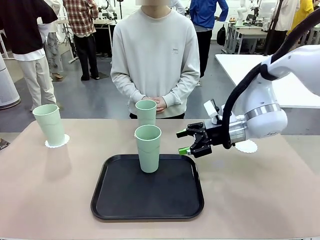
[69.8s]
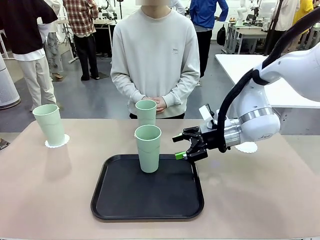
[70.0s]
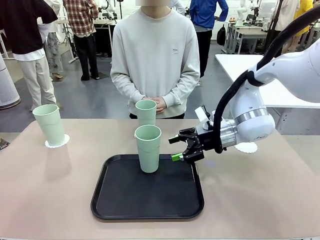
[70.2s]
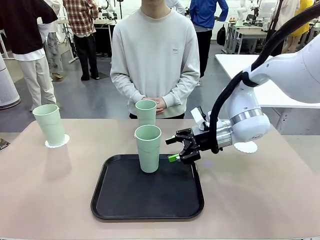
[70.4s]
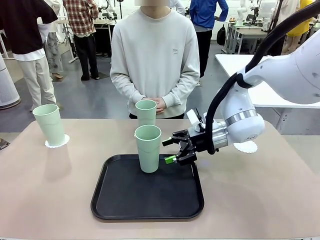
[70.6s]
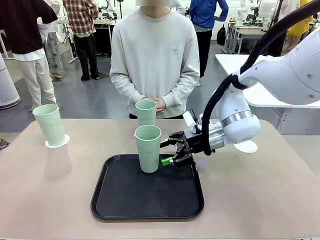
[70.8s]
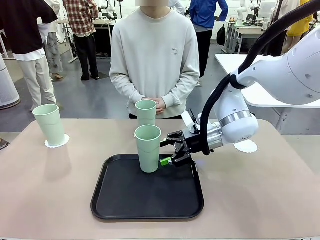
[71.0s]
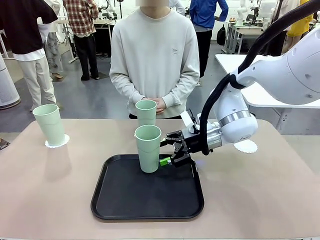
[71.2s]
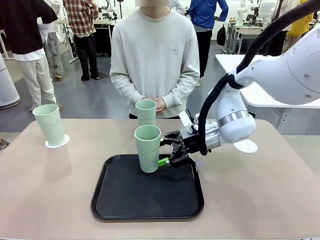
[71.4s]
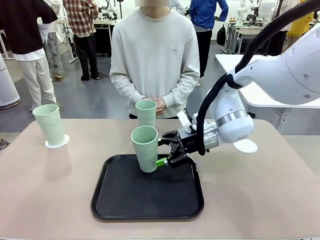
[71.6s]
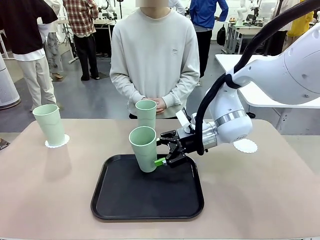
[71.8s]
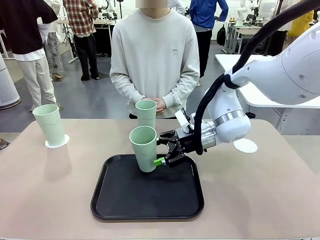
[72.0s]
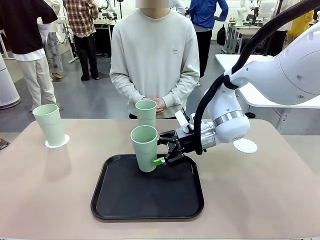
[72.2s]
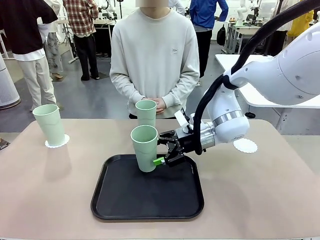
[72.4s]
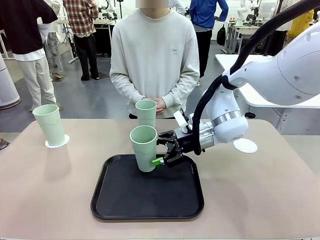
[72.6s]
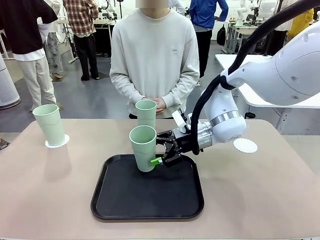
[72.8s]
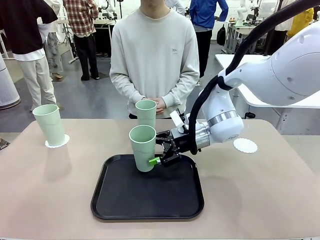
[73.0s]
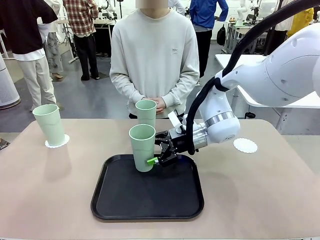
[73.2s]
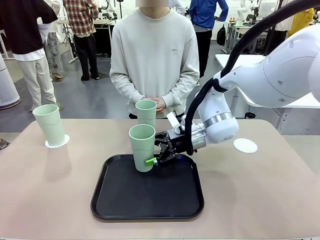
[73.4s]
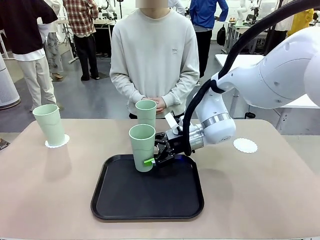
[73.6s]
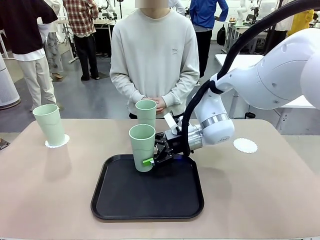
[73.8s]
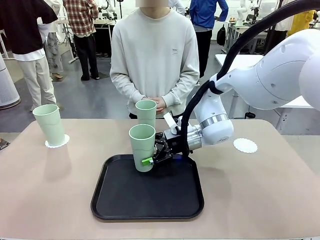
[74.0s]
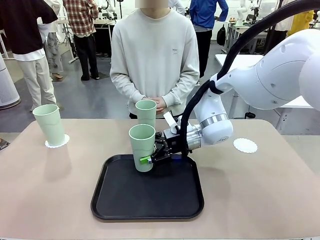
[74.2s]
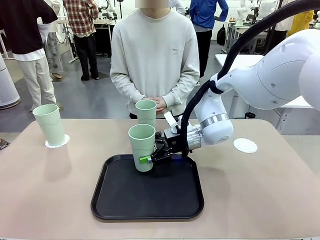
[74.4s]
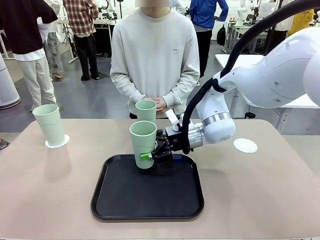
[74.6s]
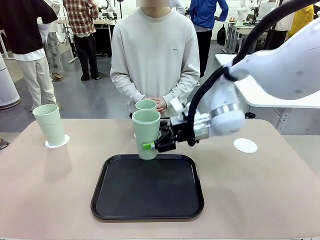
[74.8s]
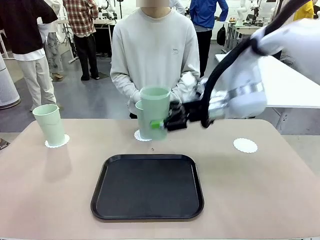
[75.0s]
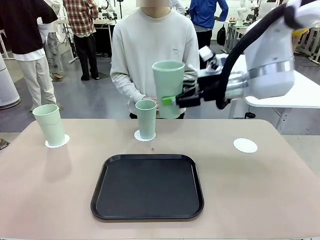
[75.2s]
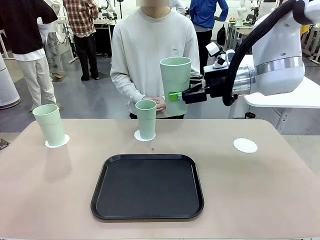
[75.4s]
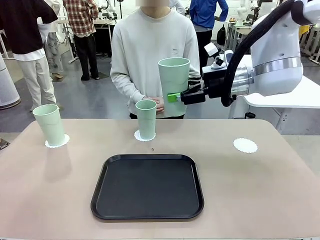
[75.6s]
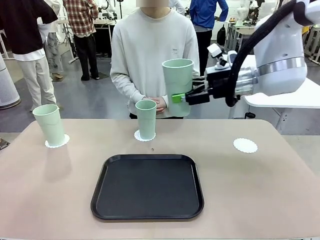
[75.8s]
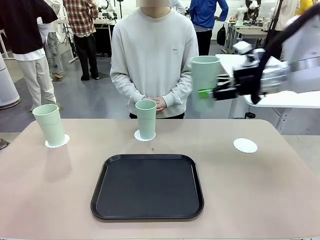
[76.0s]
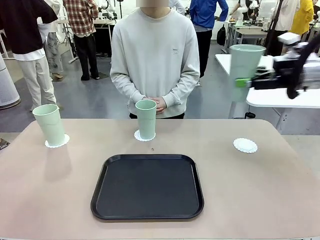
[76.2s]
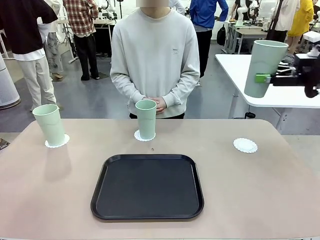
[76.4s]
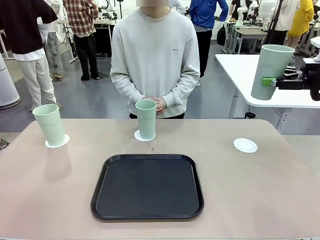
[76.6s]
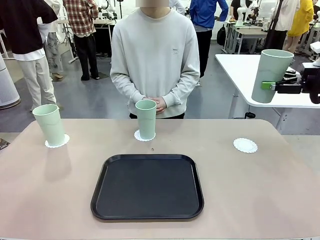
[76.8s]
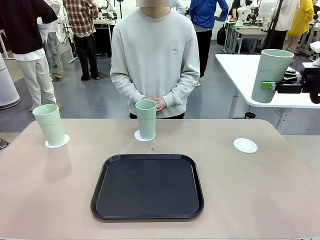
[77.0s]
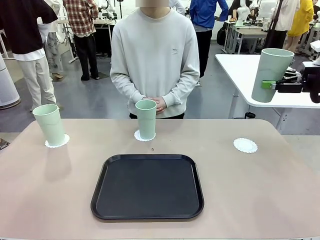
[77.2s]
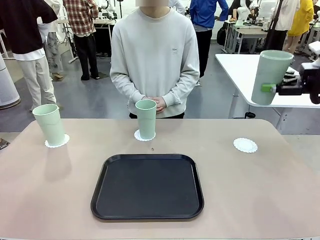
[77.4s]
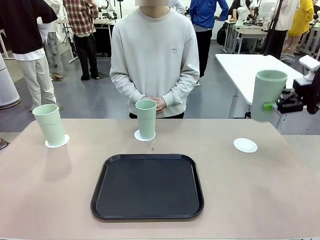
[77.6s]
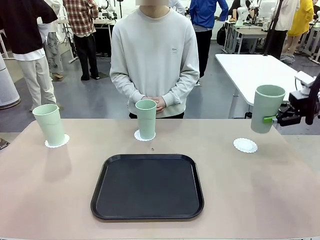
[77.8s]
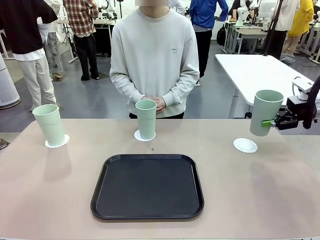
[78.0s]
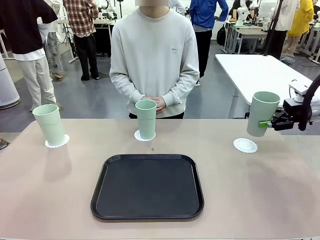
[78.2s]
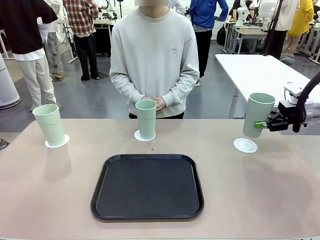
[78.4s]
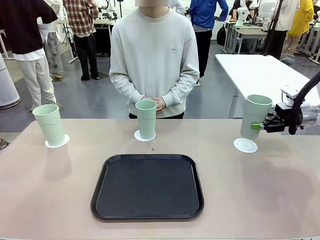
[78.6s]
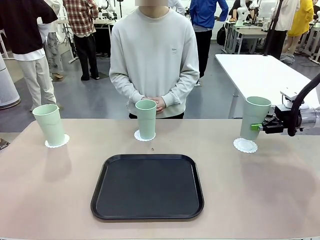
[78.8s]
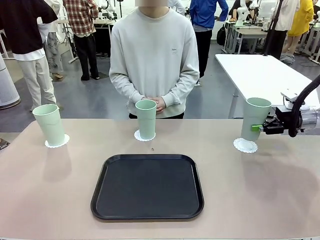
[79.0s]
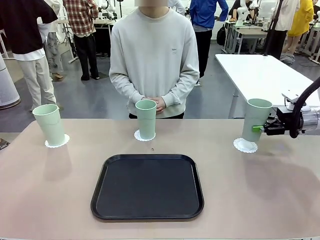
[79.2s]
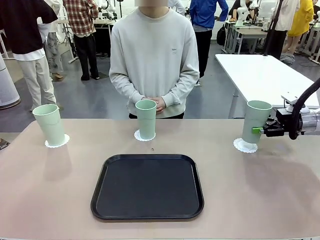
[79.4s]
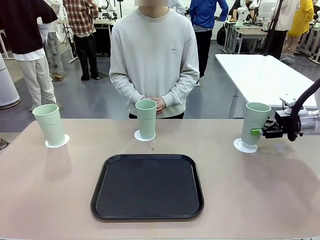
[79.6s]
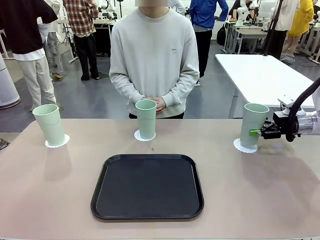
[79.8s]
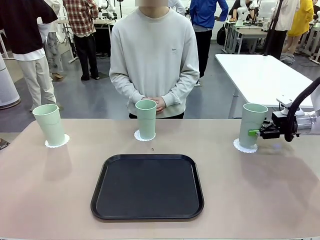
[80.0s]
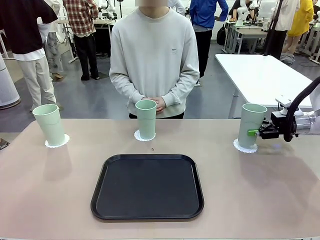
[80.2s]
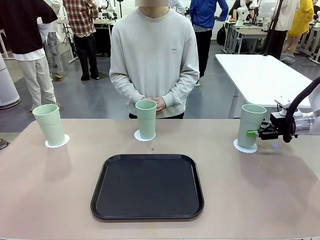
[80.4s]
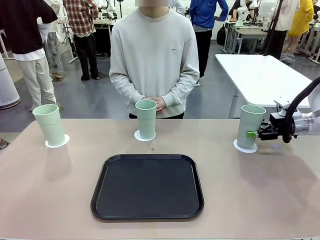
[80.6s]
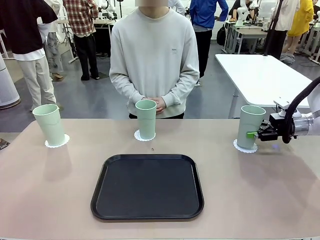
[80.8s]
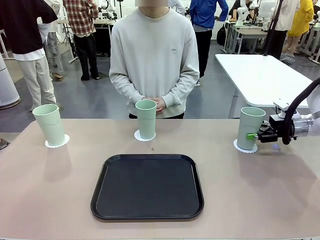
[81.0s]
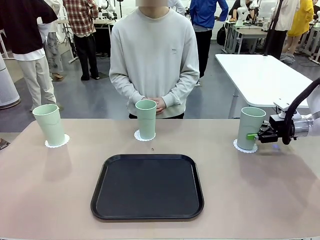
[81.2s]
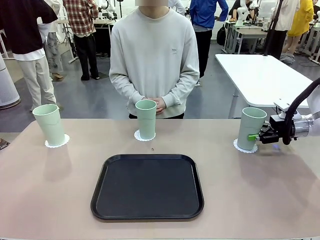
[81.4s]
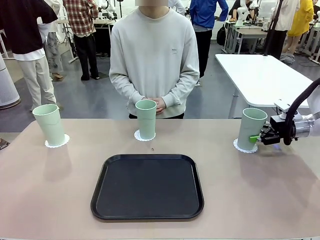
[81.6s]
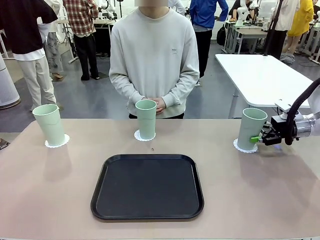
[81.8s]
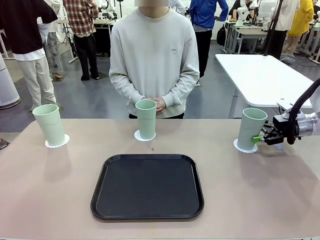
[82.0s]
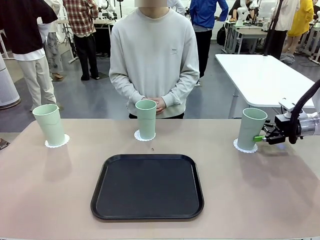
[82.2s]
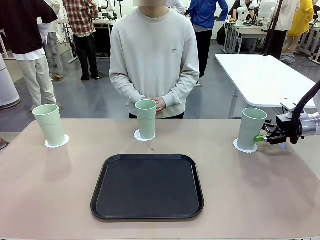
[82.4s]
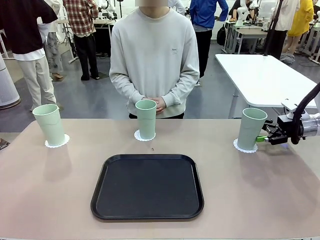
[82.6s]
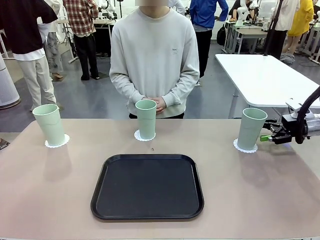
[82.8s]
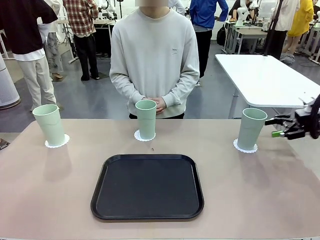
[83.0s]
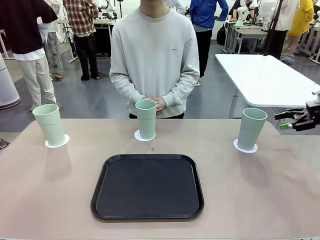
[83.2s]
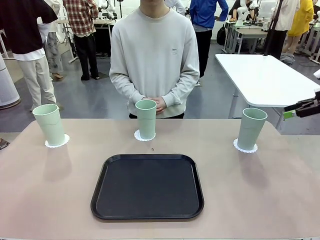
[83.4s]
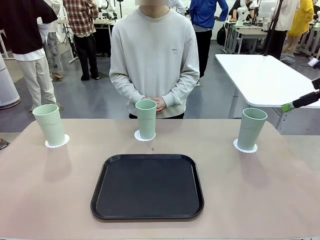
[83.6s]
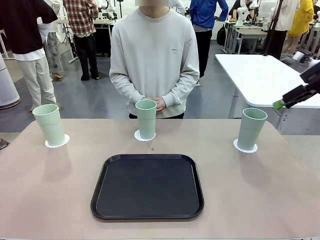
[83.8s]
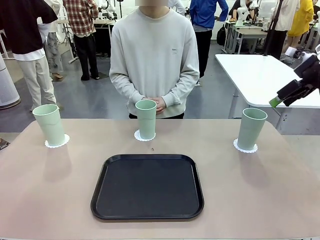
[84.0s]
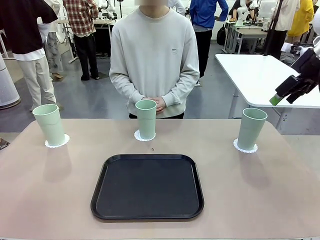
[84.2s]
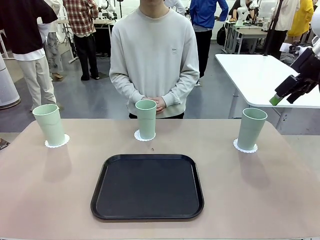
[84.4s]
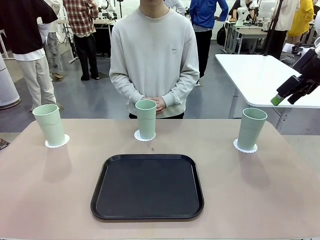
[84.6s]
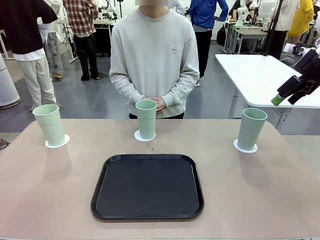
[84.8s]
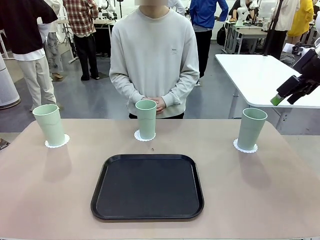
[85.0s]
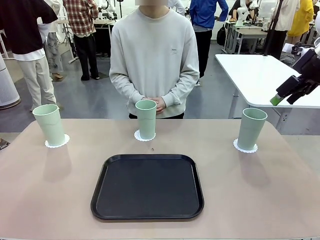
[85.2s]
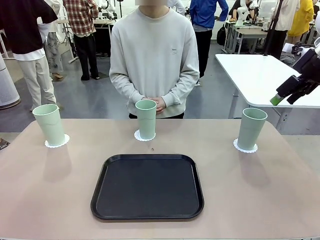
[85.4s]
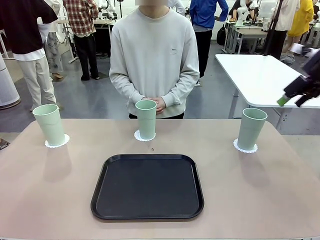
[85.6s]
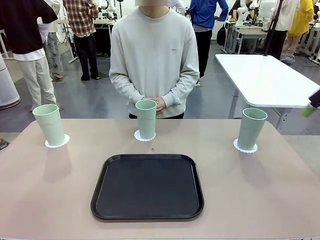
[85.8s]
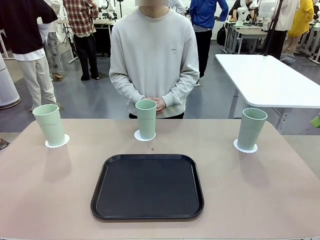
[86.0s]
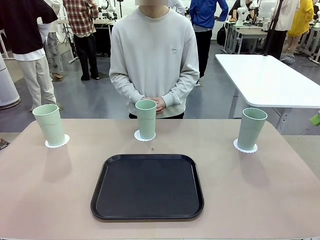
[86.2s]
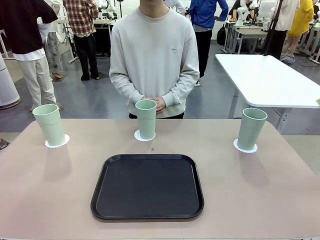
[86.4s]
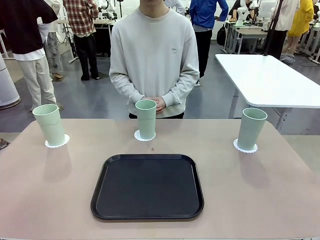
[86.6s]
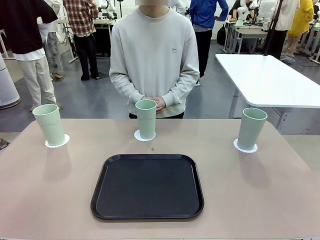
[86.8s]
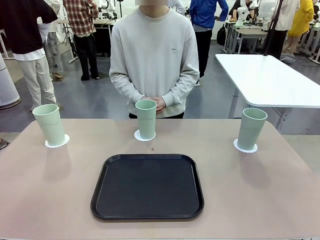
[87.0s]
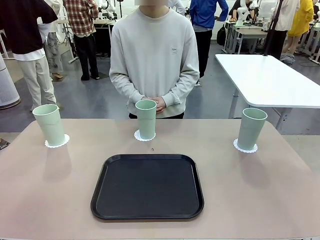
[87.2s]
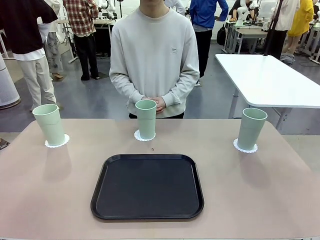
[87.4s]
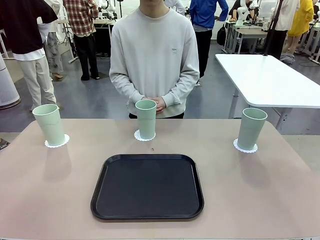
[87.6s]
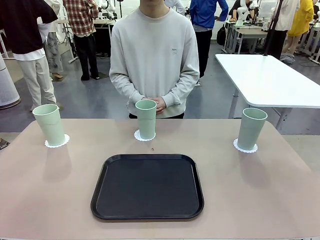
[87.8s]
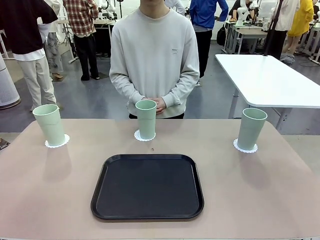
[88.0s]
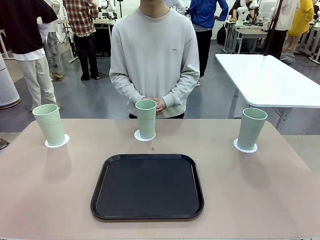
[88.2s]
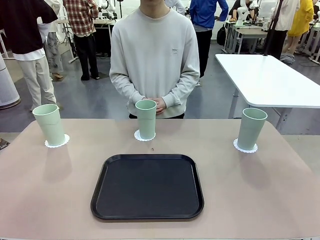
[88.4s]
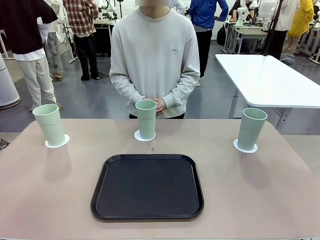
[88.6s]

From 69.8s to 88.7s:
Task: Place coasters on the table and set cups on them.
Robot: Take one Reusable plastic cup from the Flat Tray and place it on a coaster set by the human.
